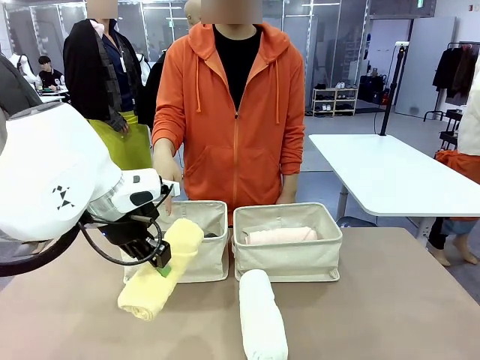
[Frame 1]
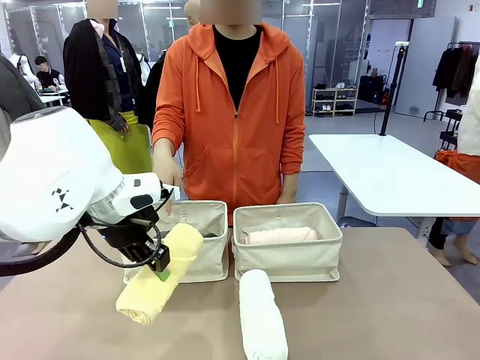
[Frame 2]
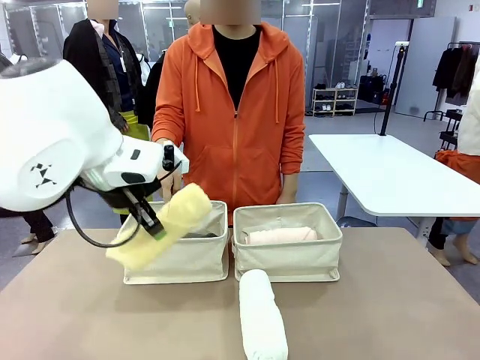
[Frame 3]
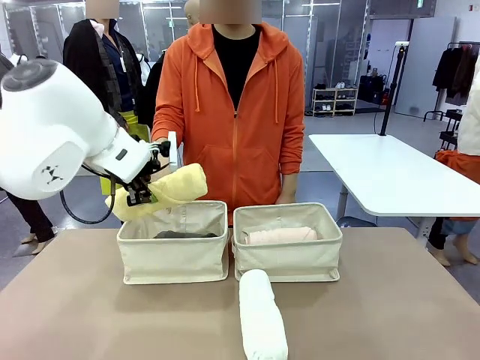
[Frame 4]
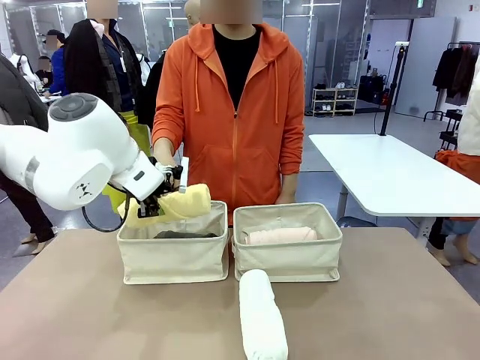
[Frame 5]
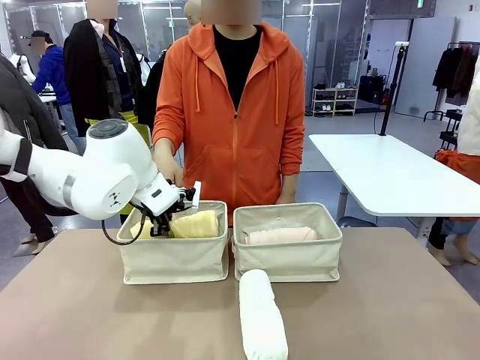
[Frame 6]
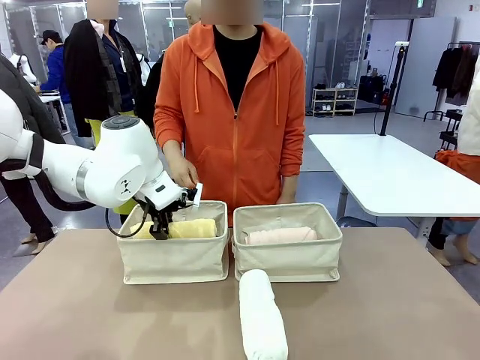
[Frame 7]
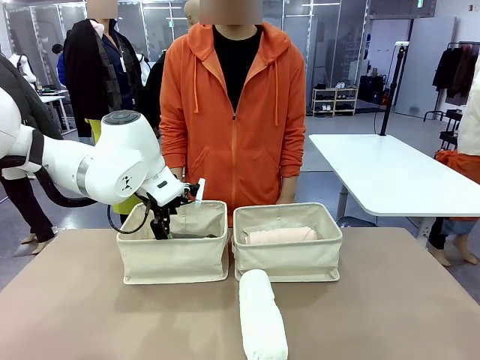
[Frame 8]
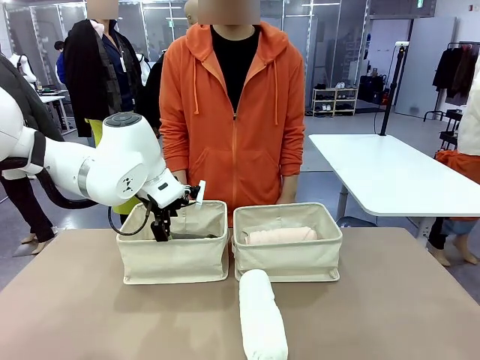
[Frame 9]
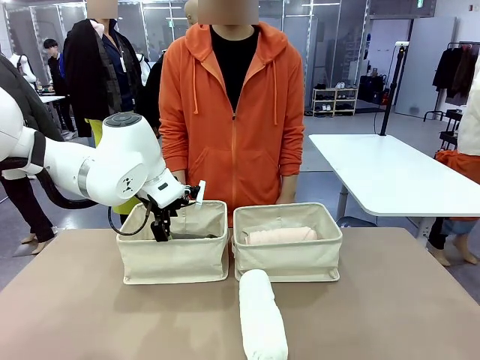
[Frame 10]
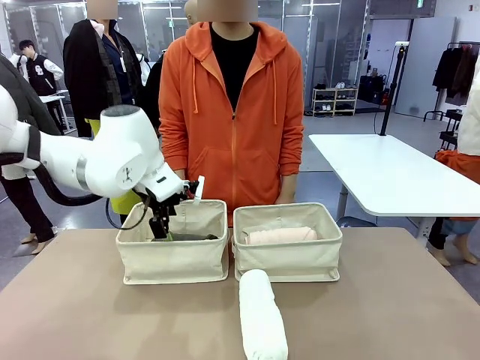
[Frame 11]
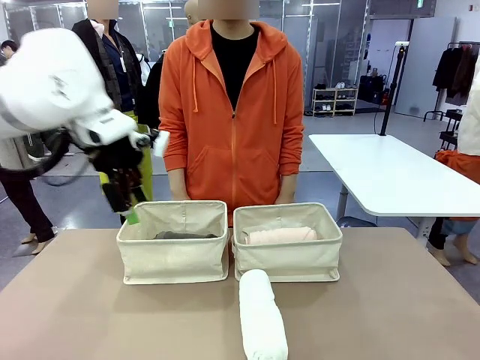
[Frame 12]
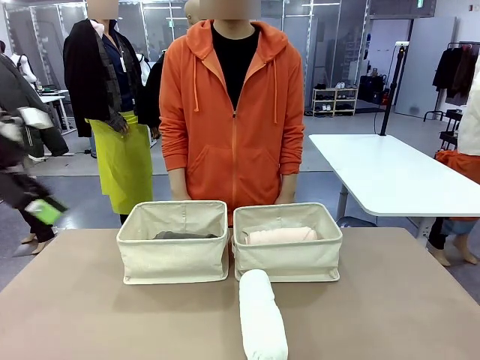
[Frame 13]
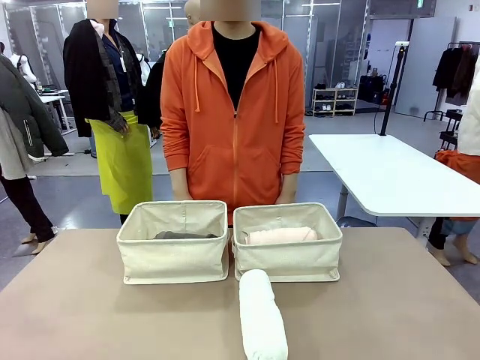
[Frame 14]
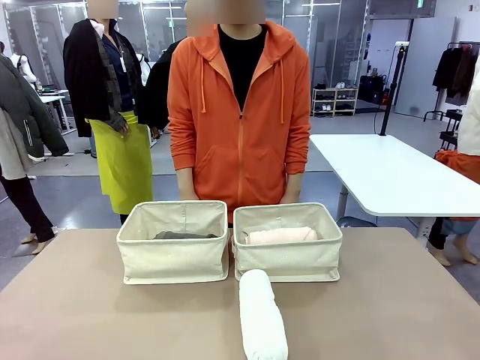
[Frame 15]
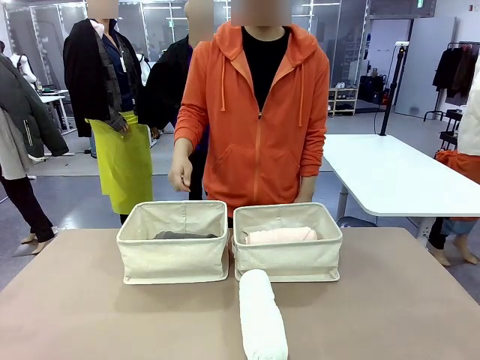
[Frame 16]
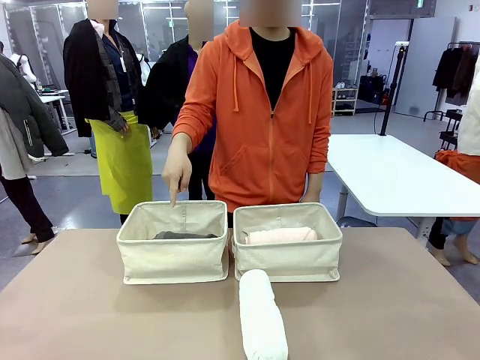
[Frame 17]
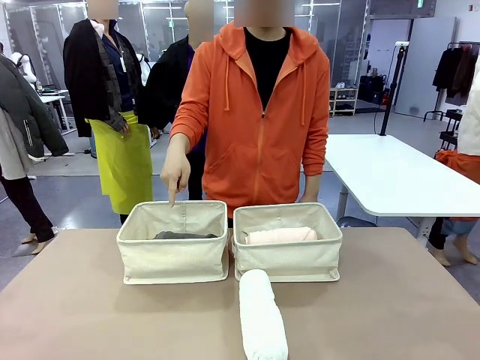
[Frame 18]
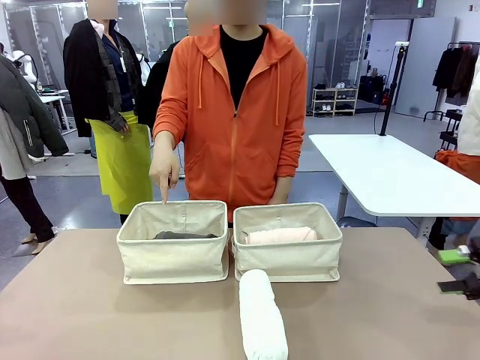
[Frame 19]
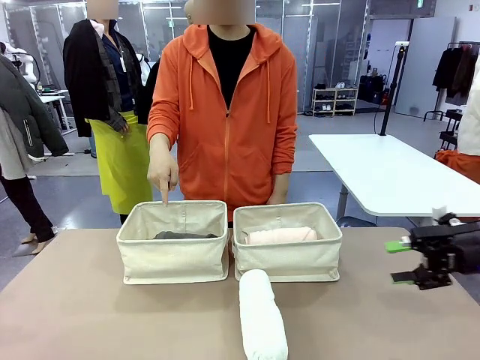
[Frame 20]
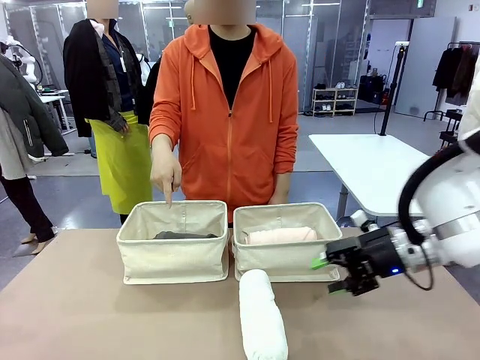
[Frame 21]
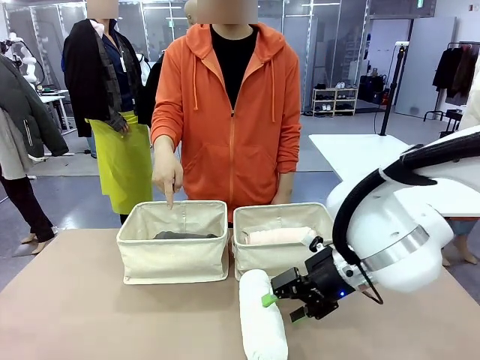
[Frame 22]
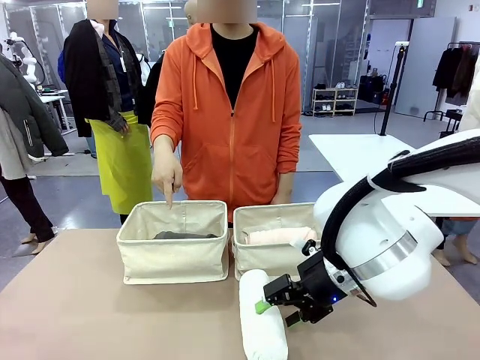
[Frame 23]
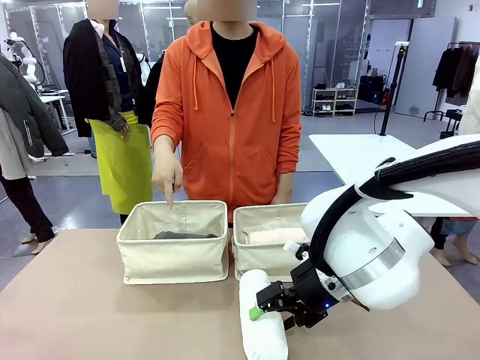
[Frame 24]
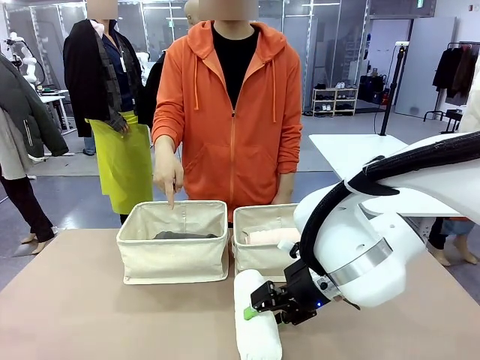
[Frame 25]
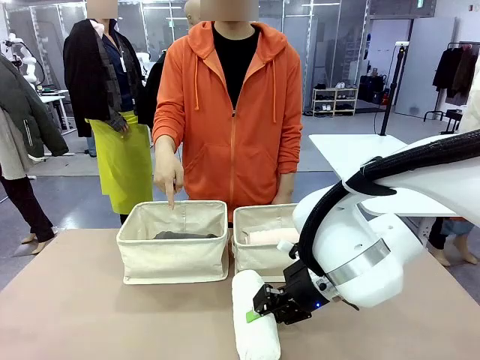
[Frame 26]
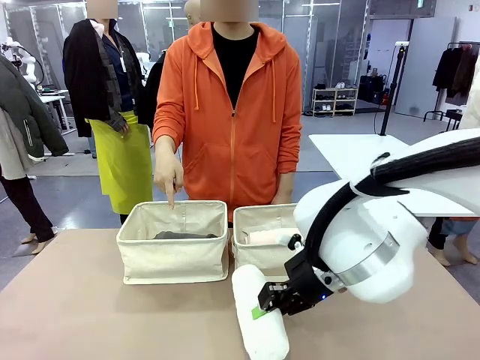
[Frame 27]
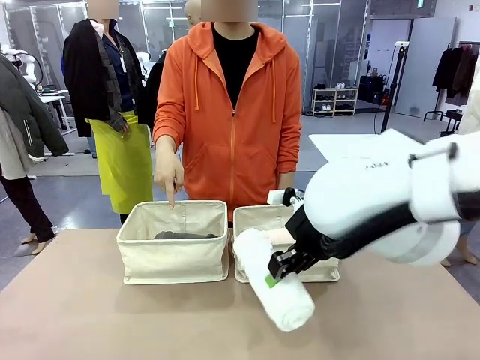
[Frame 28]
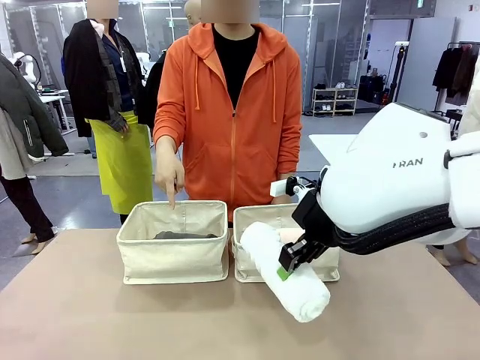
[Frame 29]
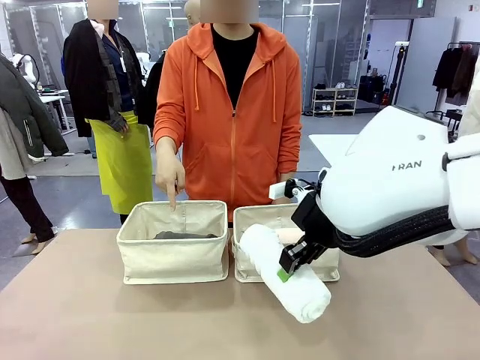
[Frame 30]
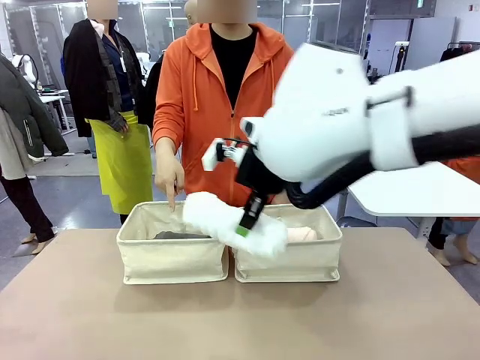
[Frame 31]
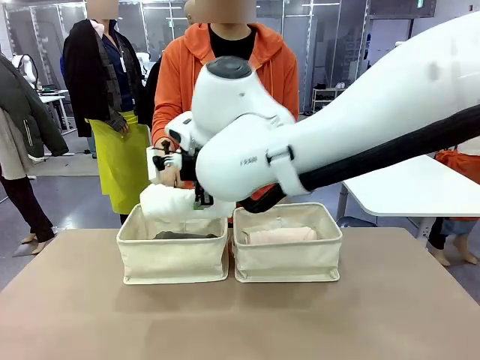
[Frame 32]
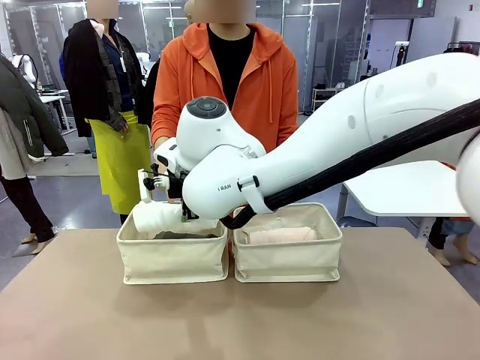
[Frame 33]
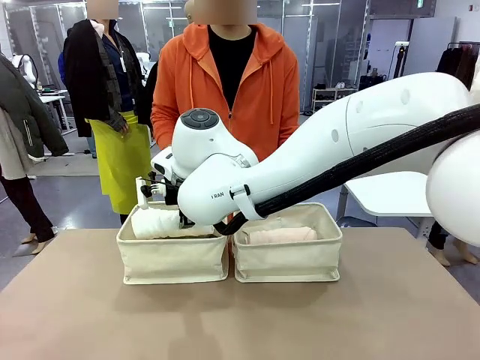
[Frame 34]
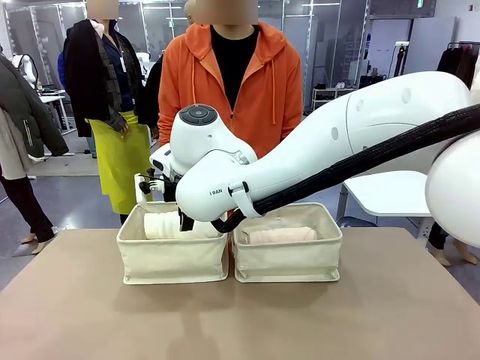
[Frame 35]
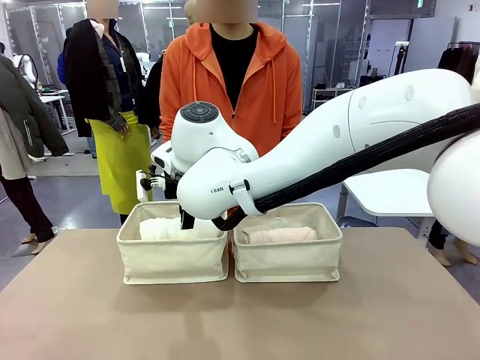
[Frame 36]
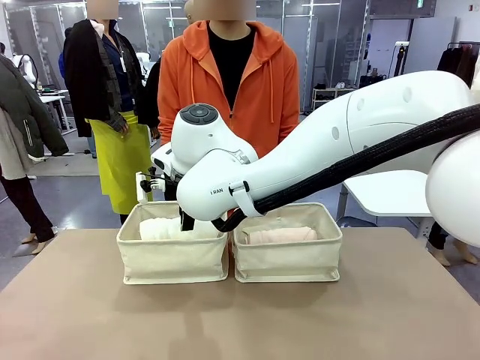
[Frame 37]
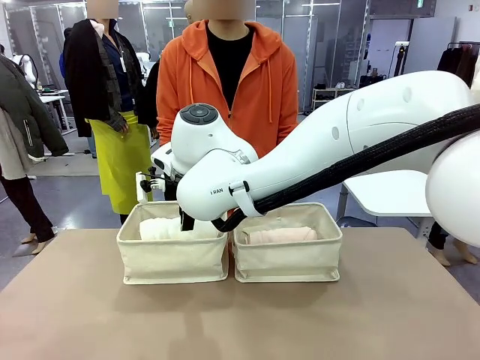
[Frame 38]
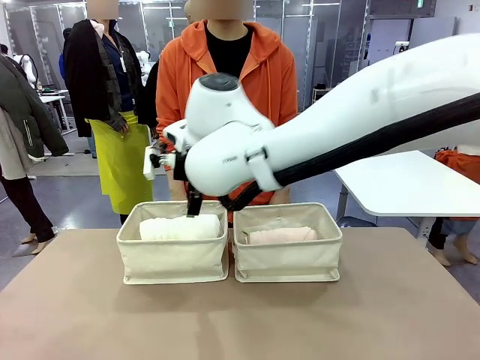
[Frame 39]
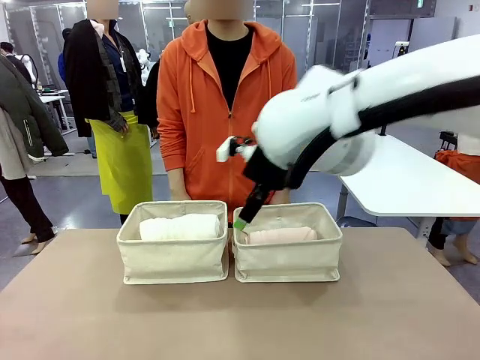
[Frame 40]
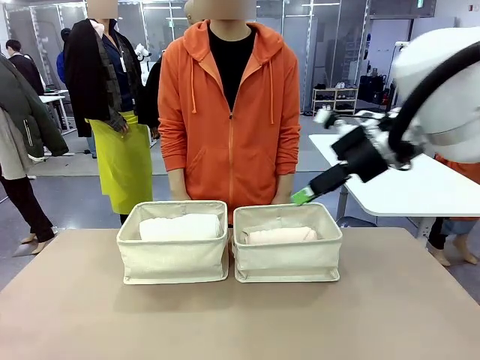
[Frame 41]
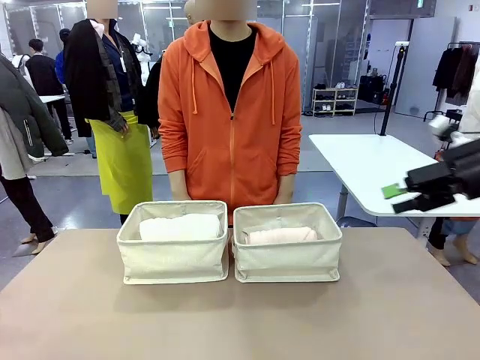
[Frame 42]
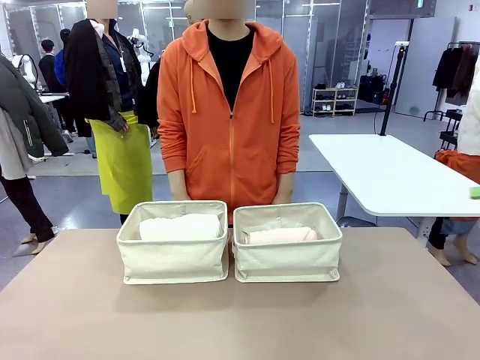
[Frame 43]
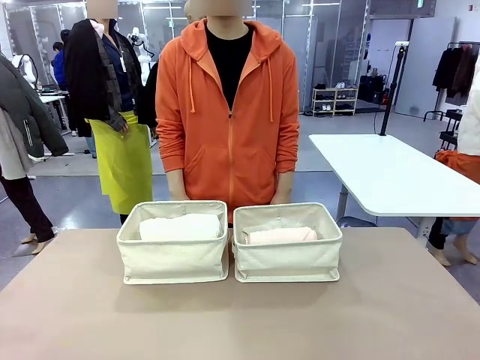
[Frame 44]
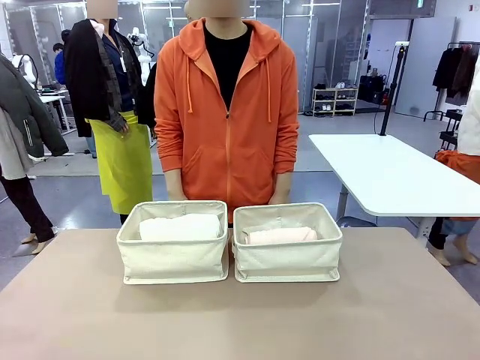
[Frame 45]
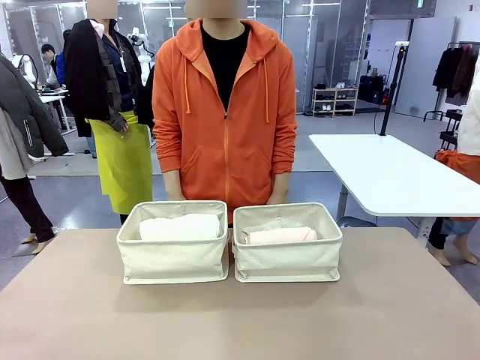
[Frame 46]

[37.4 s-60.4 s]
Task: Divide the towels into two baskets.
Robot: Pick up one hotel-folded towel from the bottom of the table and place it in the Fabric basket indicated by the person.

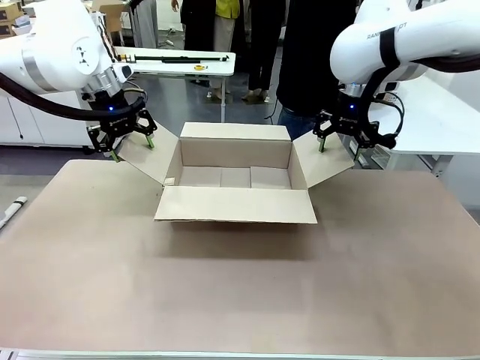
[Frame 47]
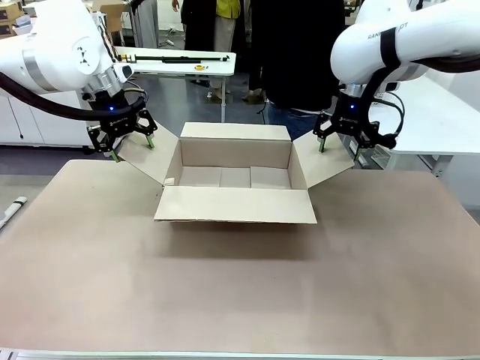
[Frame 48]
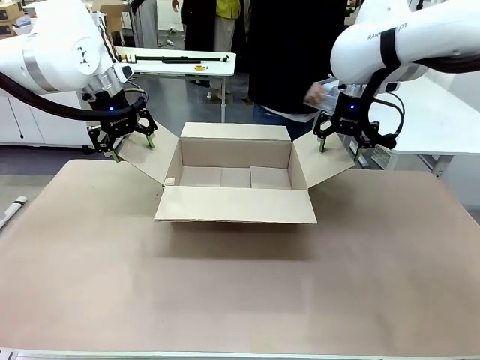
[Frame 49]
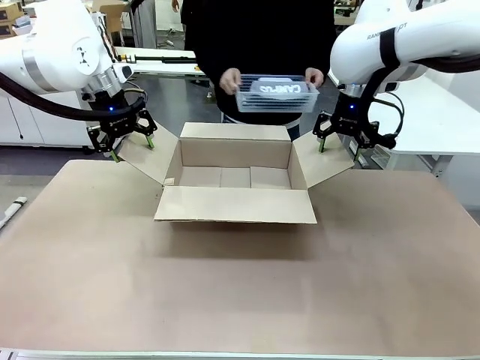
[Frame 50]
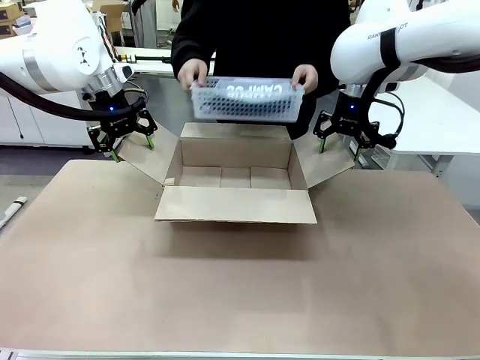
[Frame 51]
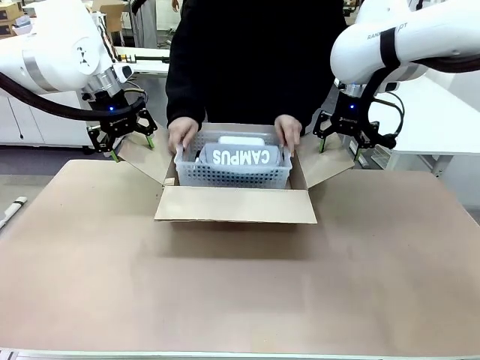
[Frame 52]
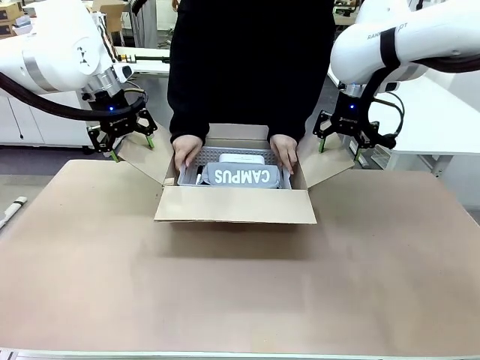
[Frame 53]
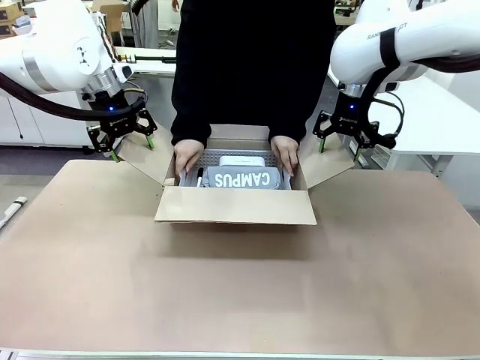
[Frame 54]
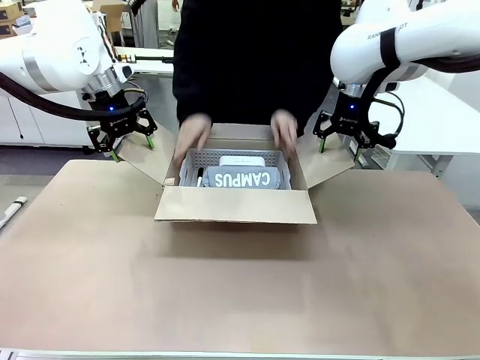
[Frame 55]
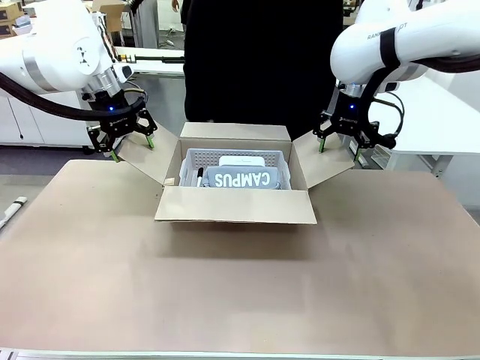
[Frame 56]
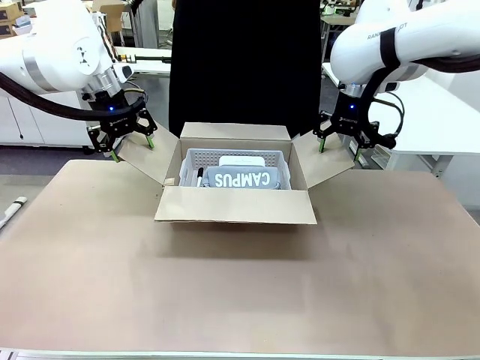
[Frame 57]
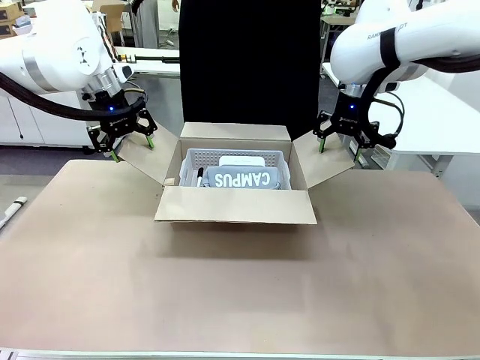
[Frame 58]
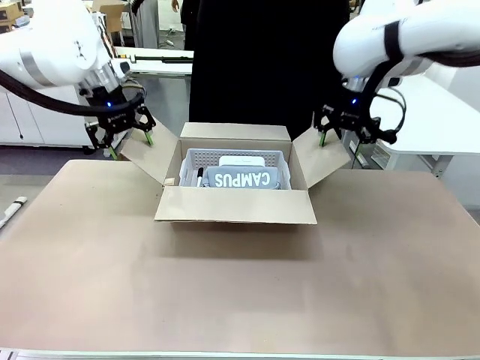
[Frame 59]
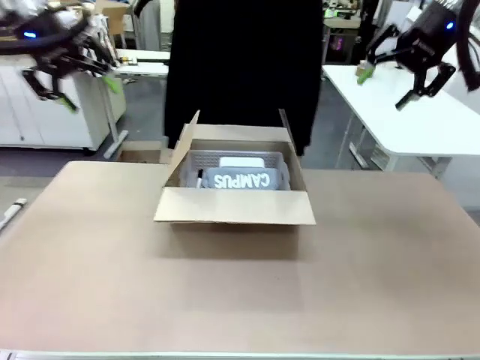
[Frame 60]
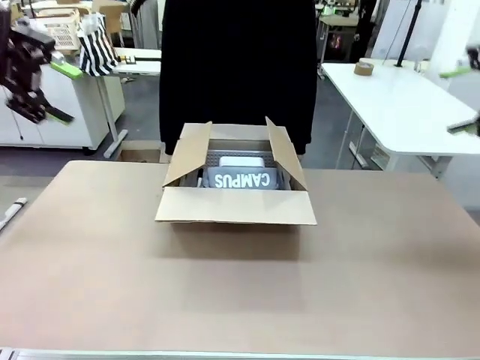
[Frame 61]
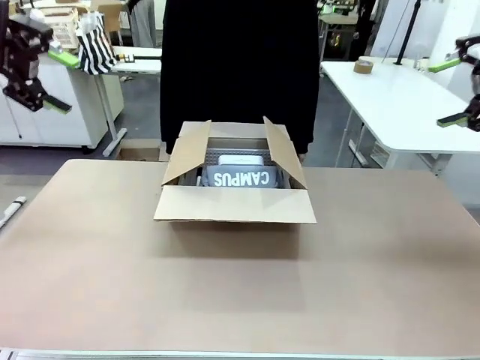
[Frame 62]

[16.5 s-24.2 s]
Task: Pack the gift set into the box.
Robot: Lift both hands away from the flaps of the Package Box.
Person: The human picks up the organizing basket and places the organizing basket into the package box on the robot table.
